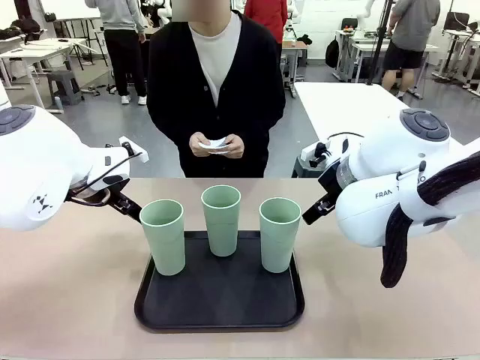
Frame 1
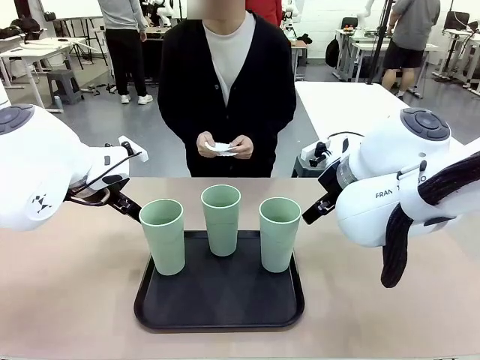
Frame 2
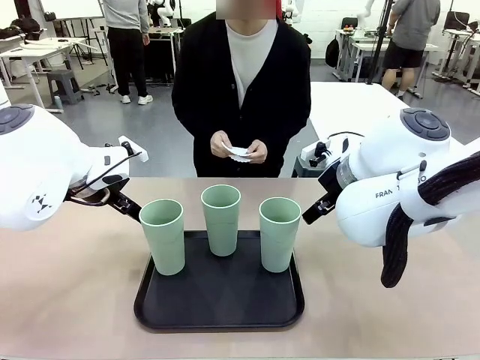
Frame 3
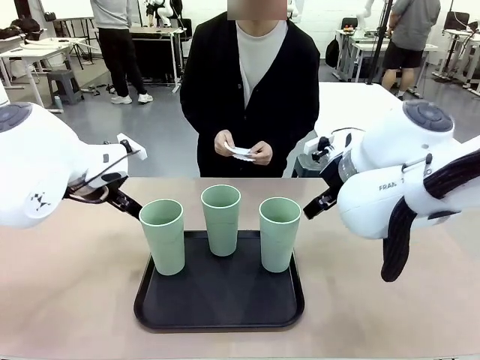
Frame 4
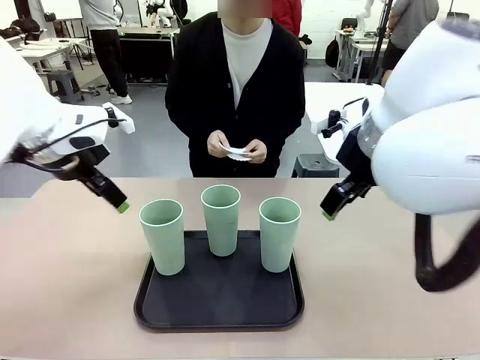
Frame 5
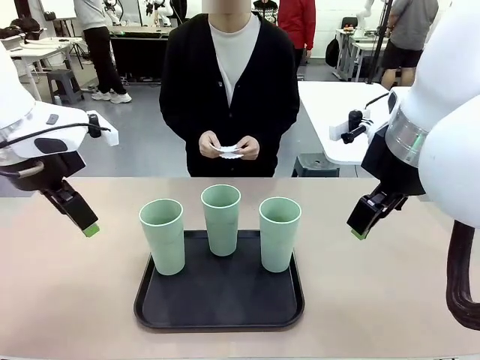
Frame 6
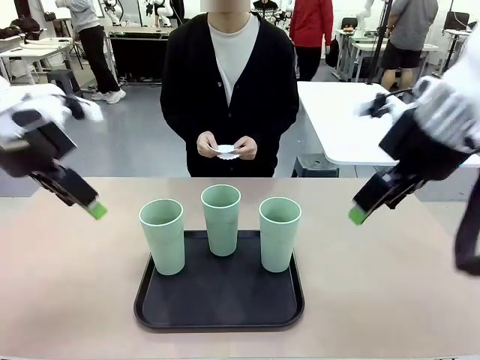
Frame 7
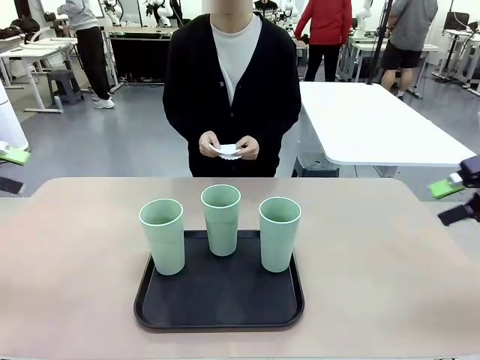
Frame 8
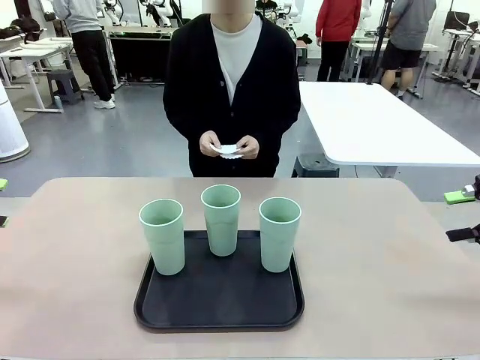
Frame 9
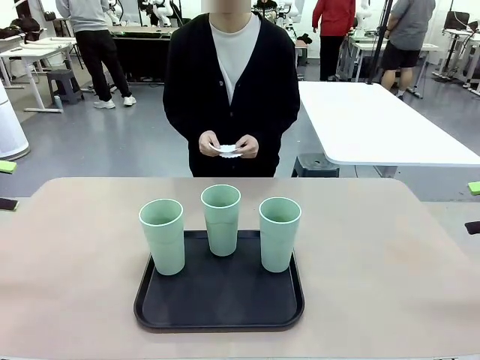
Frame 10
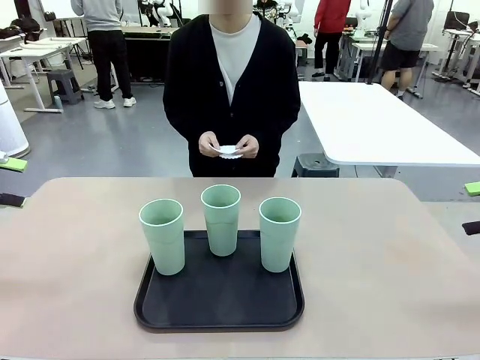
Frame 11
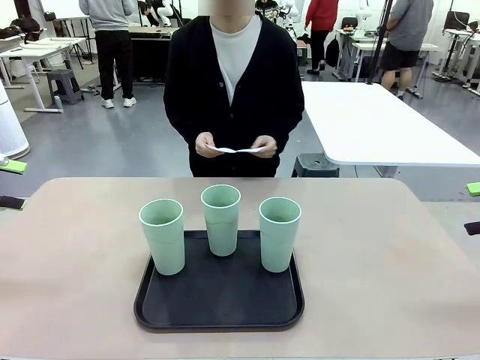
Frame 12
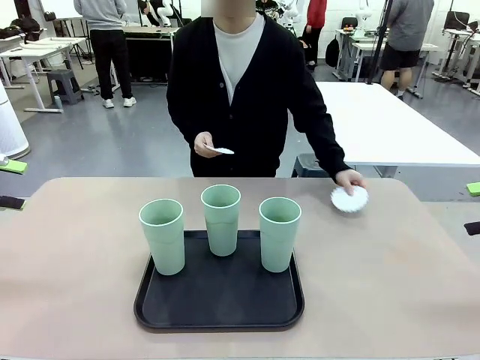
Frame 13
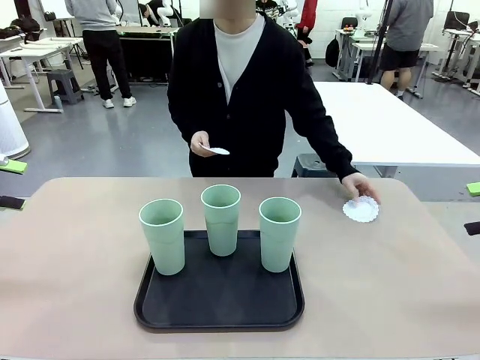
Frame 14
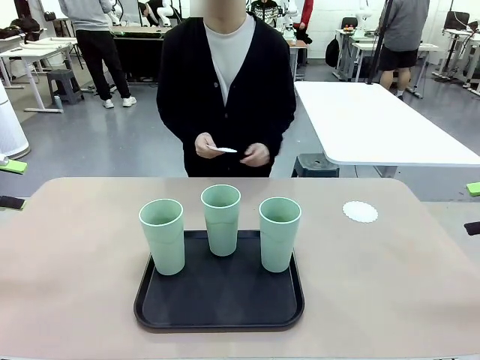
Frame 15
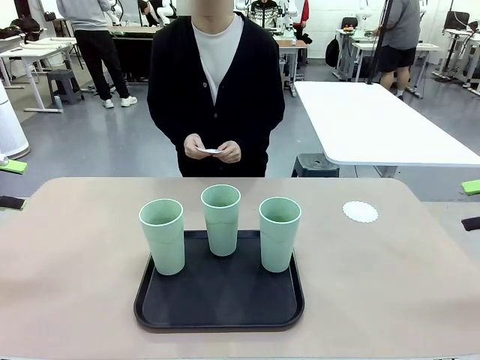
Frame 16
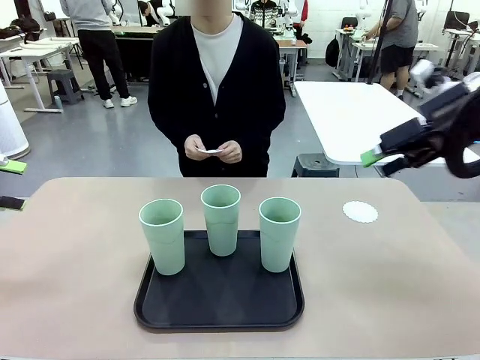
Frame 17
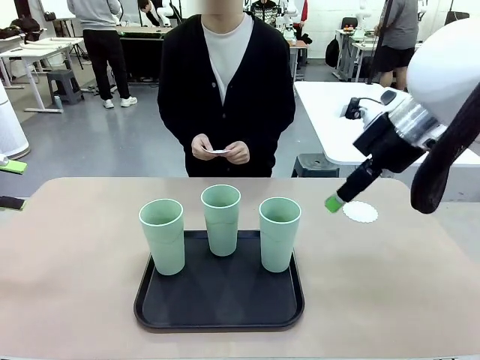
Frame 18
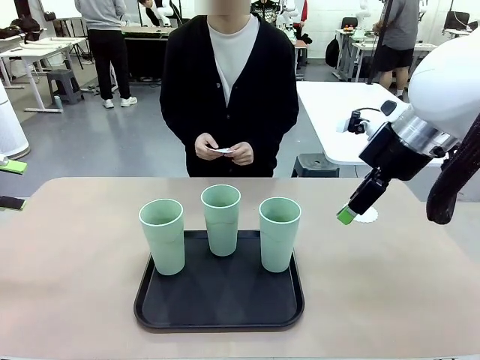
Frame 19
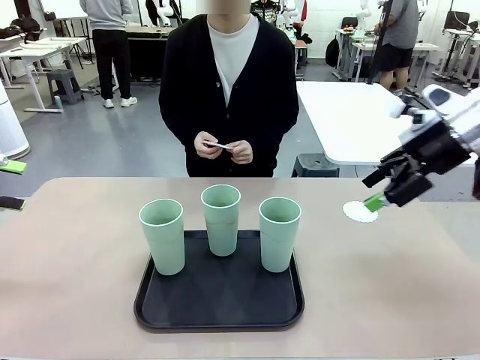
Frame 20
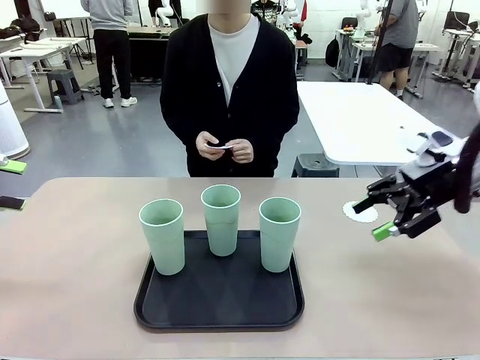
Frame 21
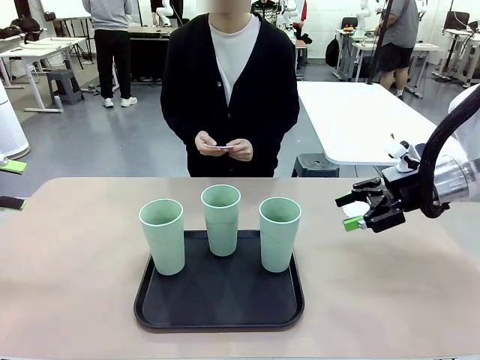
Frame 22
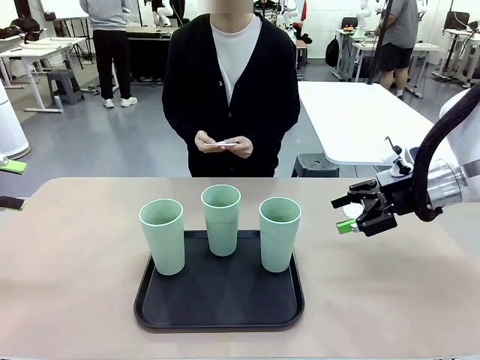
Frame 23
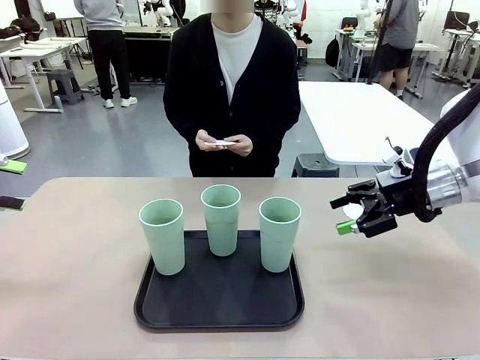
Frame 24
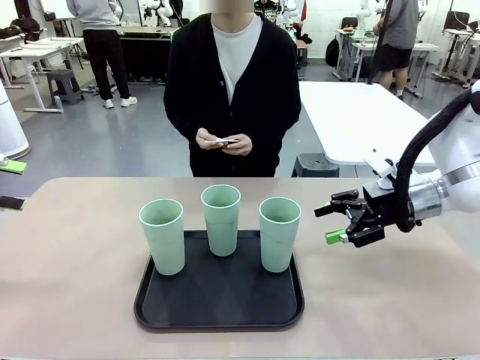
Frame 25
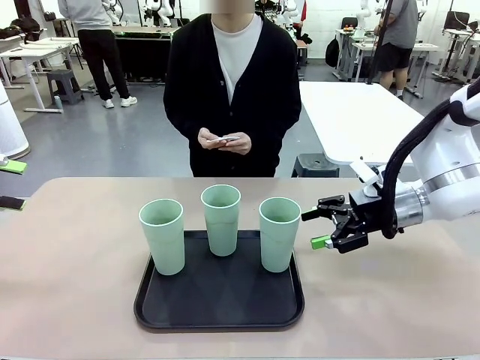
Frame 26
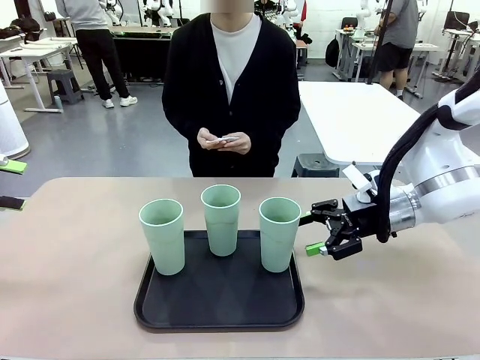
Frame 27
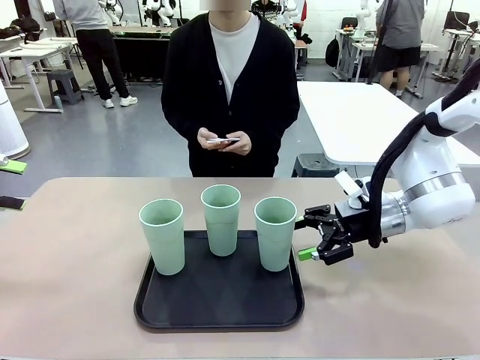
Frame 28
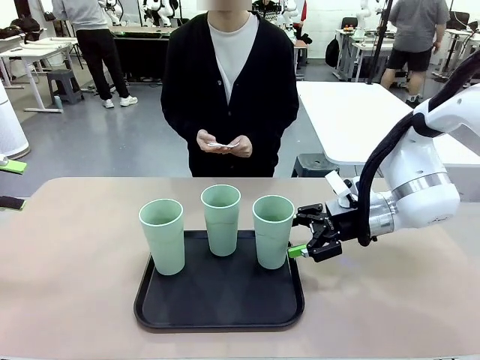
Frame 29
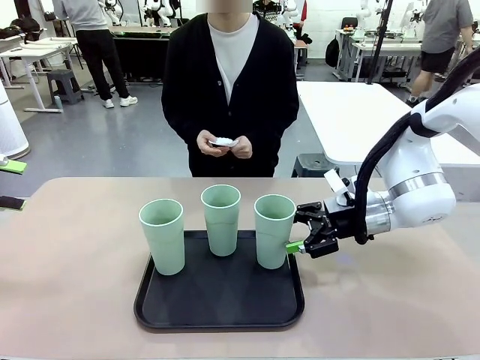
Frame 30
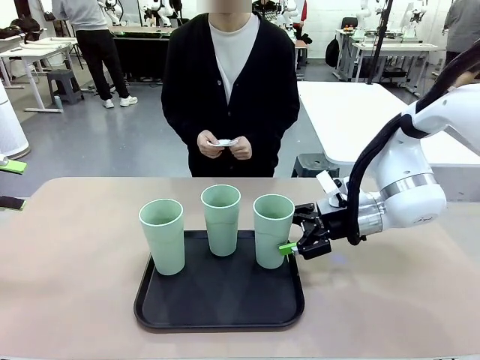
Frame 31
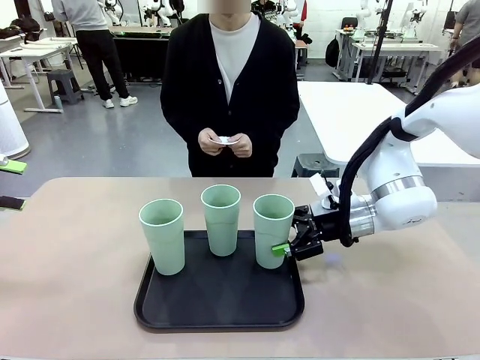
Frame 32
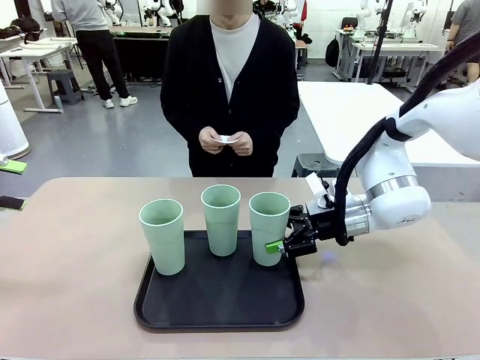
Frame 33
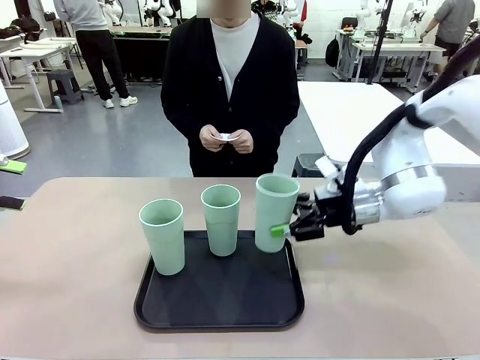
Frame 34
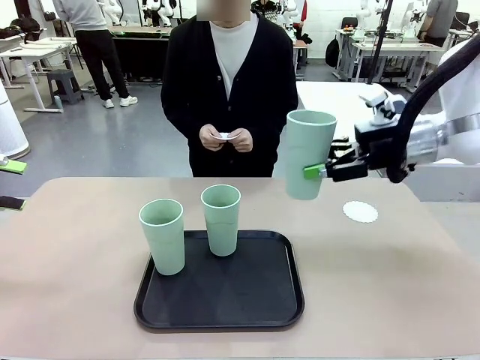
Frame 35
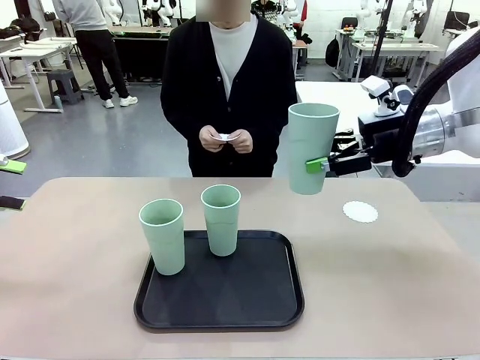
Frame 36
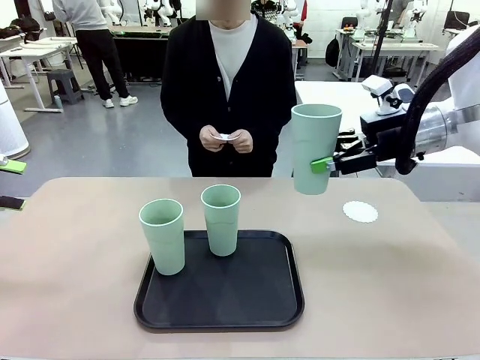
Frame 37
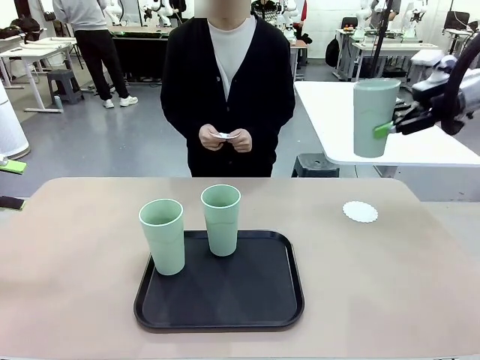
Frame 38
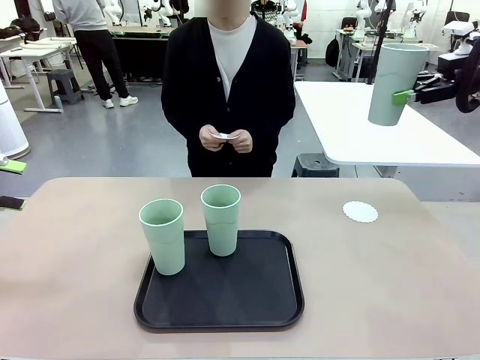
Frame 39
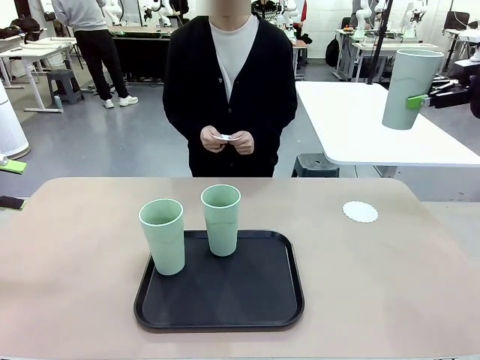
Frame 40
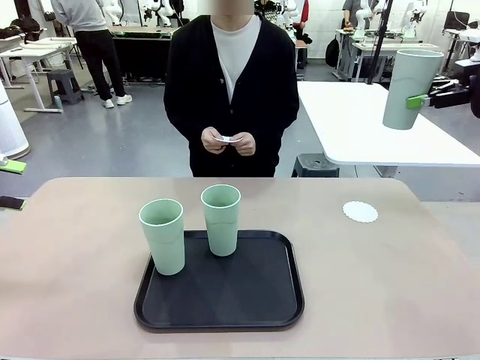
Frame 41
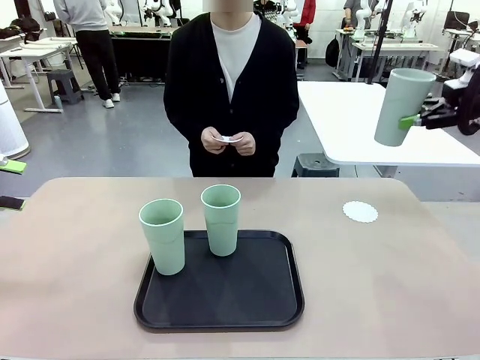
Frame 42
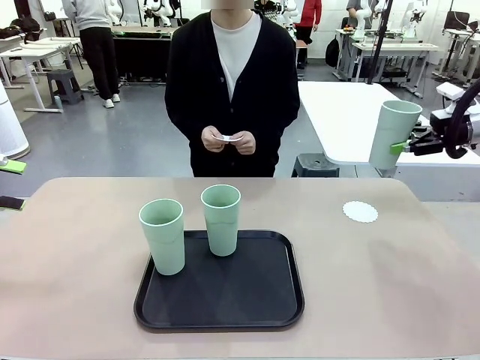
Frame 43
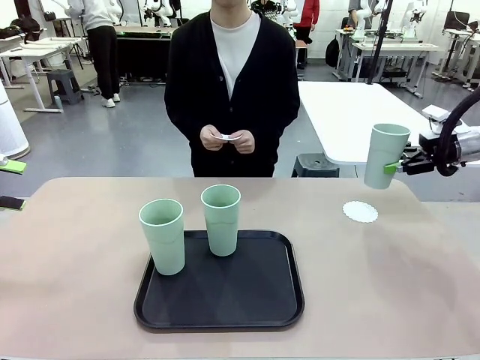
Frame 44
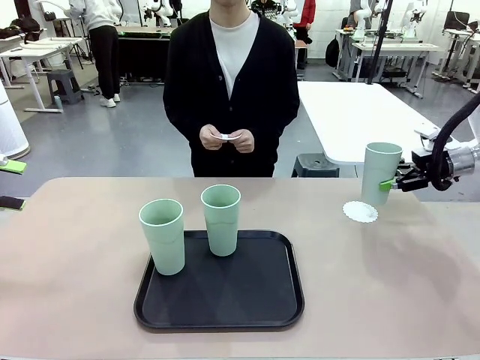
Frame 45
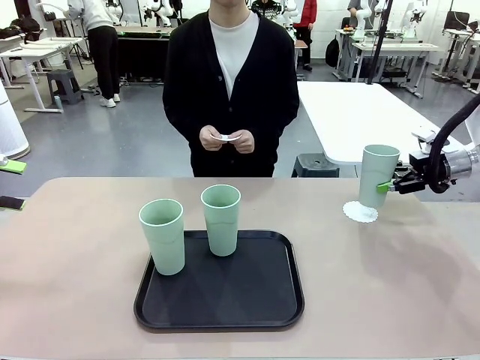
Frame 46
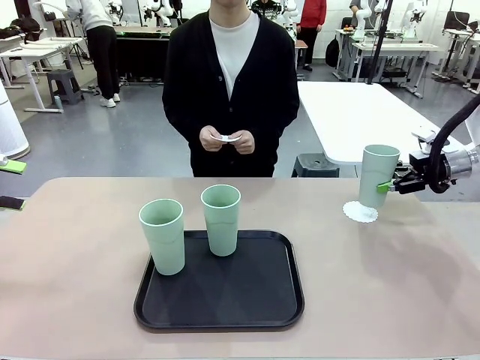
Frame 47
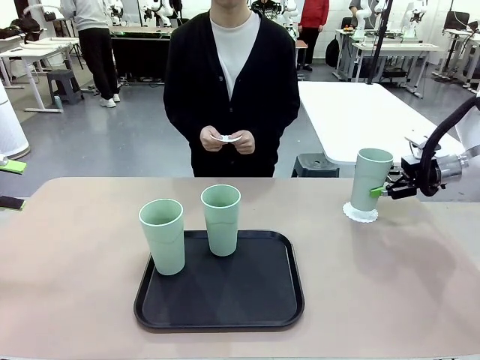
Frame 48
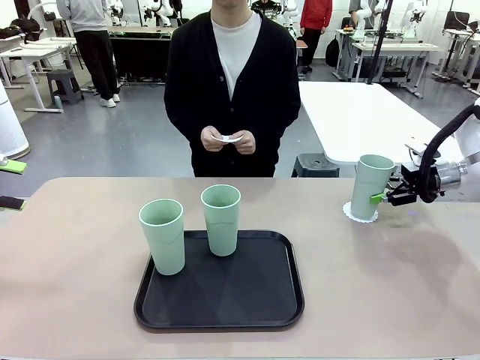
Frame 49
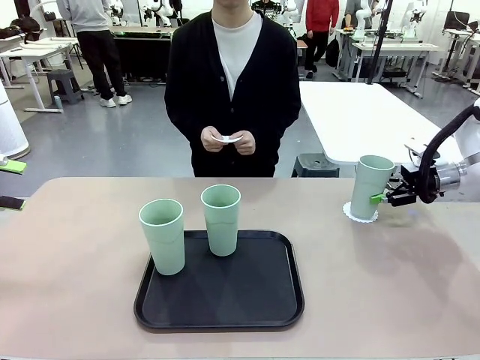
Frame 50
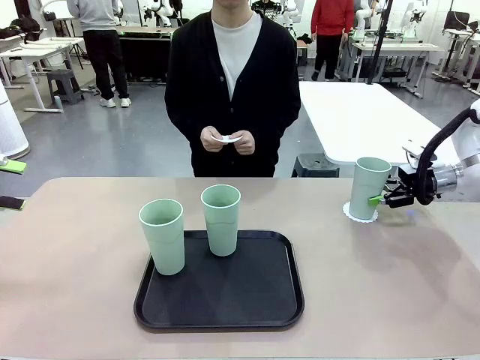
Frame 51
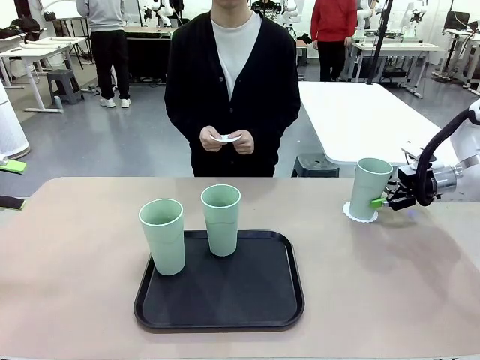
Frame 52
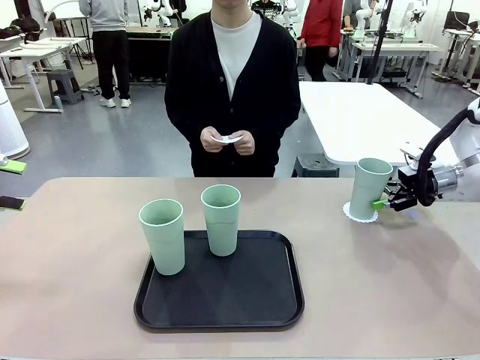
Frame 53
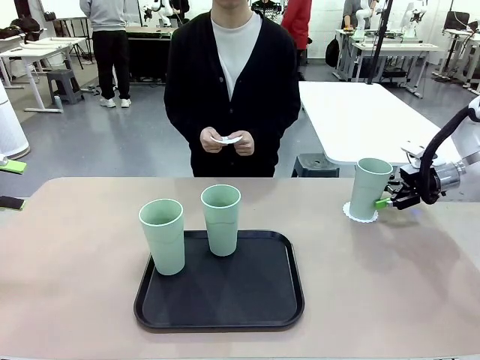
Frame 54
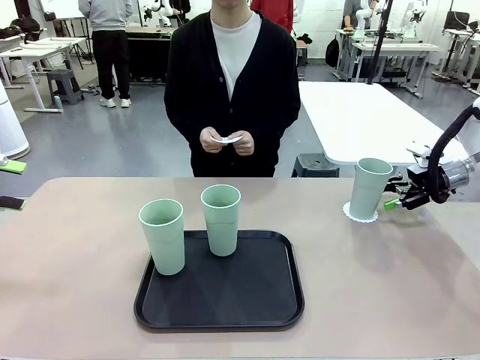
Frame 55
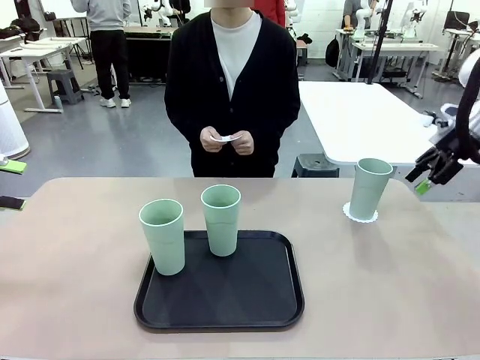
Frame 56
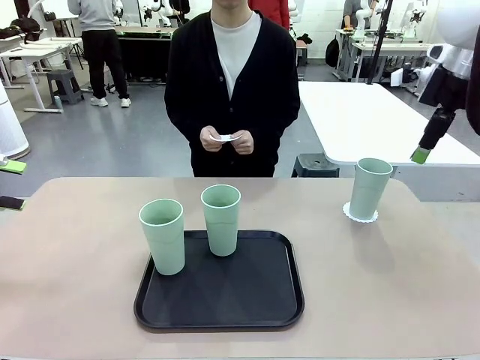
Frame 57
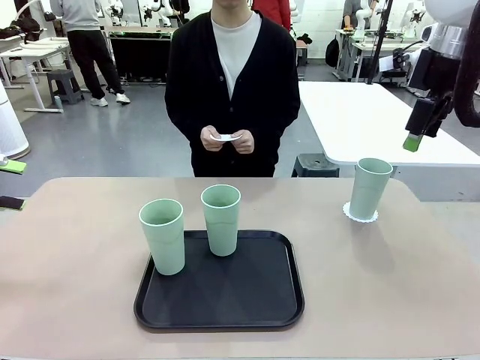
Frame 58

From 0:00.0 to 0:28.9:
Task: Place coasters on the table and set cups on them.
Robot: Pick up one Reusable plastic cup and place it on a coaster set by the human.
Person: Place one coaster in any one of the three lower areas of the robot table (left, center, or right). Place one coaster in one of the two areas excluding the previously selected area.
